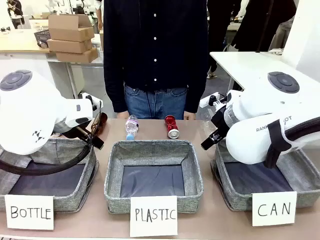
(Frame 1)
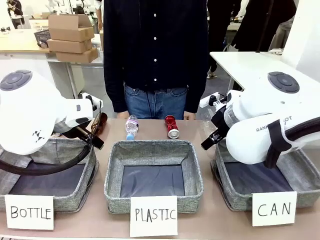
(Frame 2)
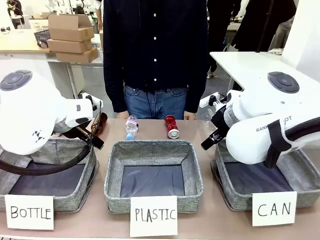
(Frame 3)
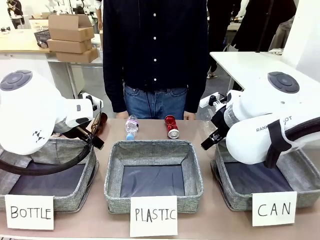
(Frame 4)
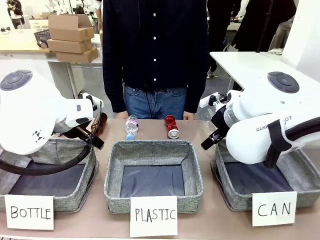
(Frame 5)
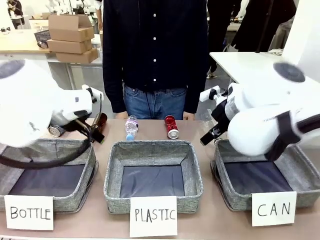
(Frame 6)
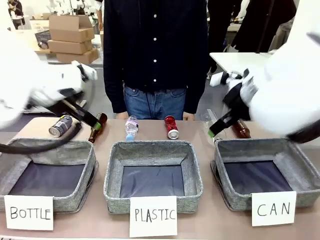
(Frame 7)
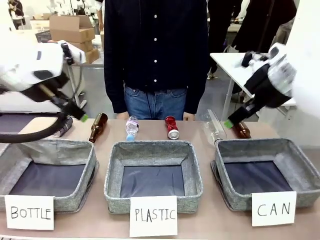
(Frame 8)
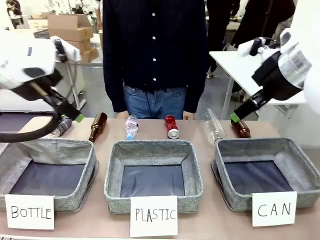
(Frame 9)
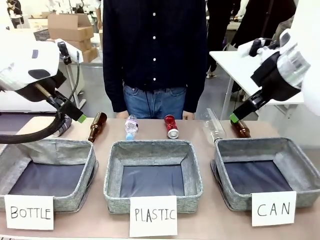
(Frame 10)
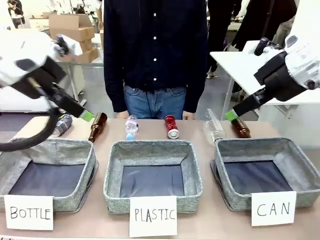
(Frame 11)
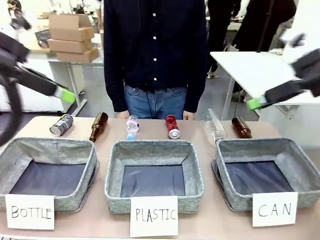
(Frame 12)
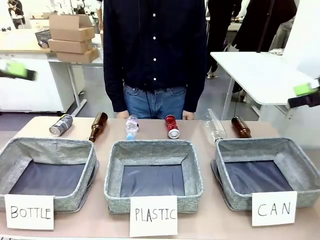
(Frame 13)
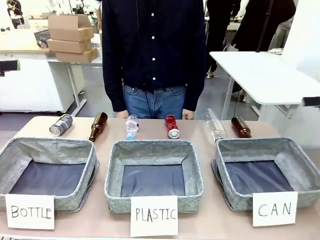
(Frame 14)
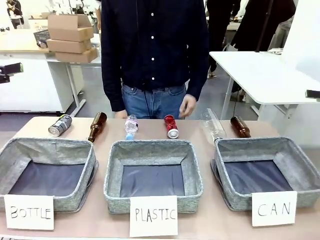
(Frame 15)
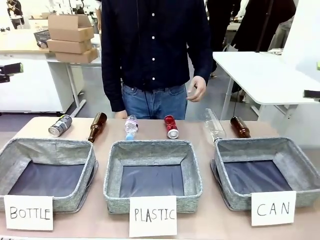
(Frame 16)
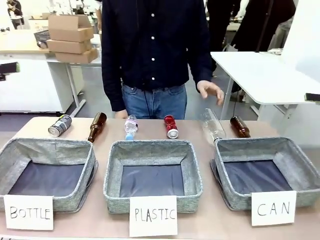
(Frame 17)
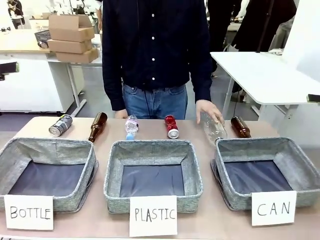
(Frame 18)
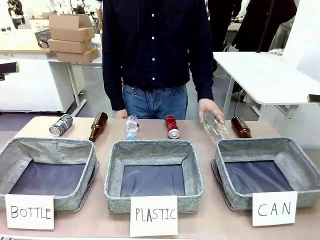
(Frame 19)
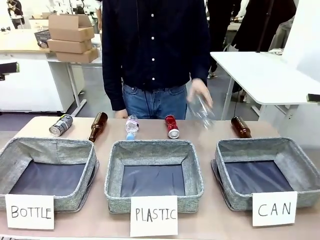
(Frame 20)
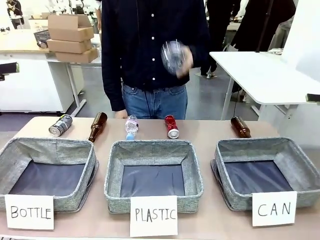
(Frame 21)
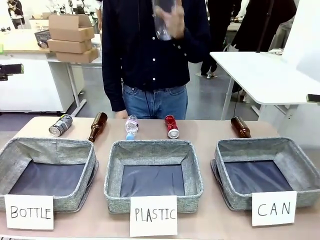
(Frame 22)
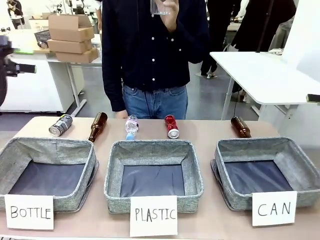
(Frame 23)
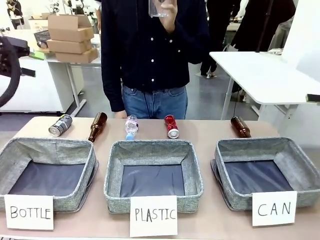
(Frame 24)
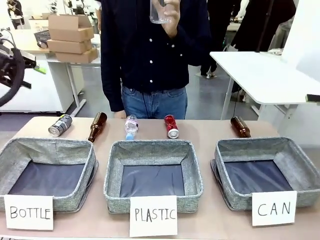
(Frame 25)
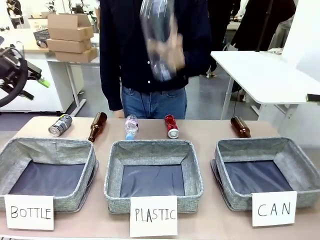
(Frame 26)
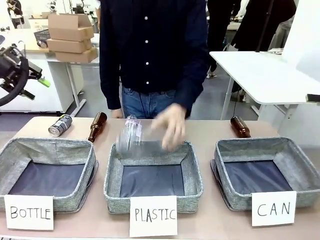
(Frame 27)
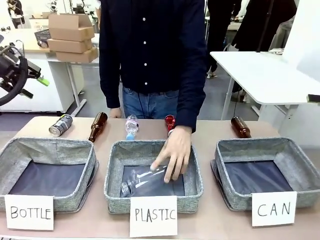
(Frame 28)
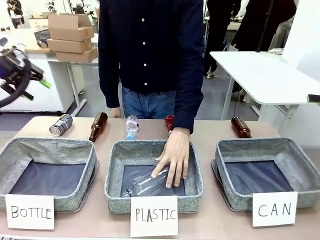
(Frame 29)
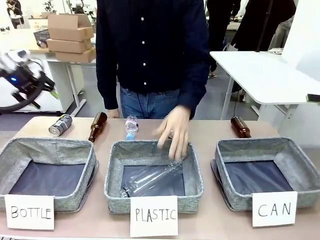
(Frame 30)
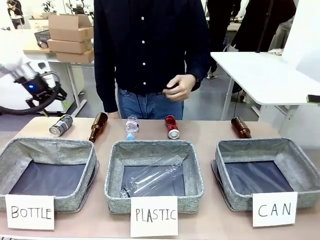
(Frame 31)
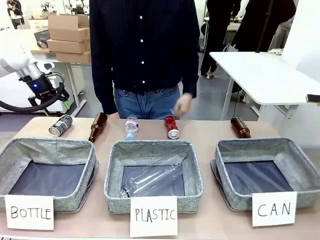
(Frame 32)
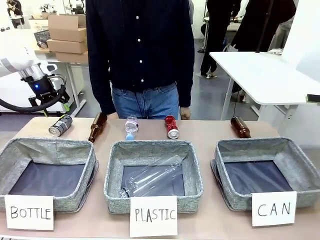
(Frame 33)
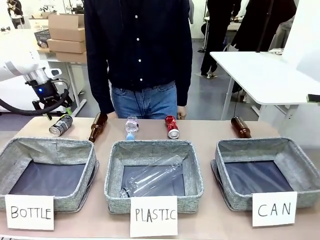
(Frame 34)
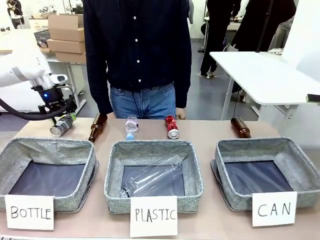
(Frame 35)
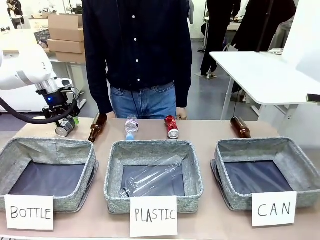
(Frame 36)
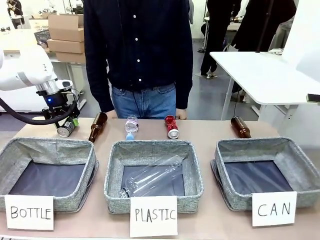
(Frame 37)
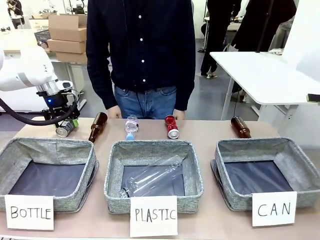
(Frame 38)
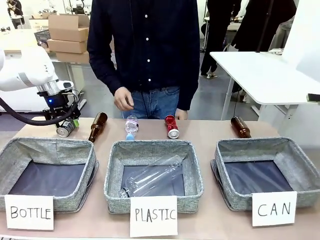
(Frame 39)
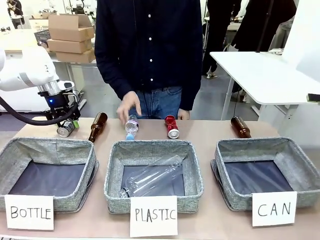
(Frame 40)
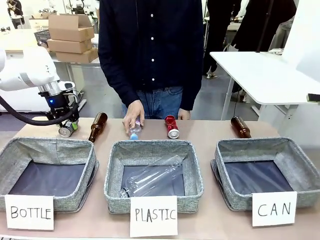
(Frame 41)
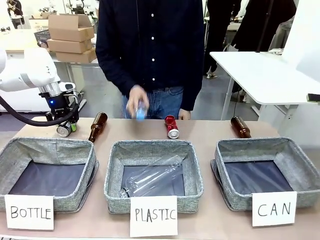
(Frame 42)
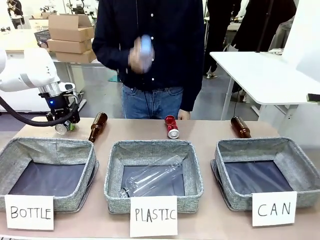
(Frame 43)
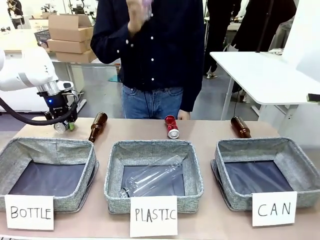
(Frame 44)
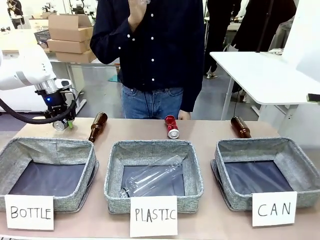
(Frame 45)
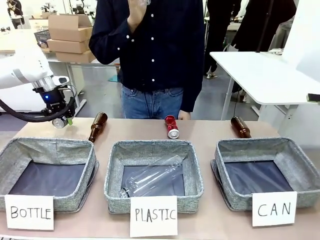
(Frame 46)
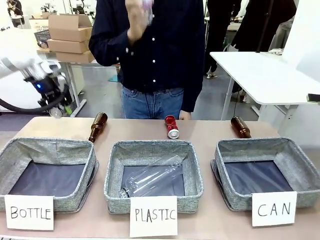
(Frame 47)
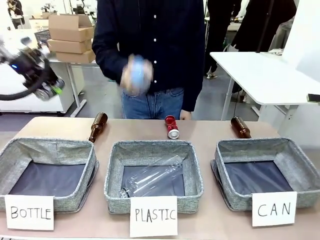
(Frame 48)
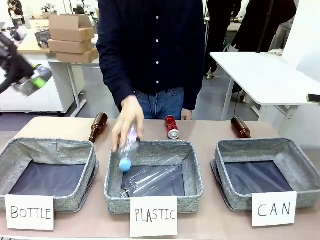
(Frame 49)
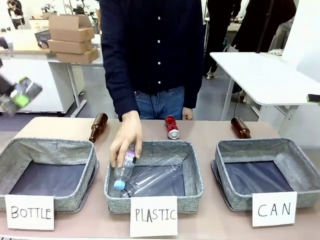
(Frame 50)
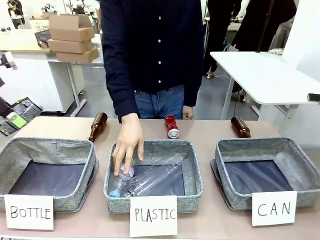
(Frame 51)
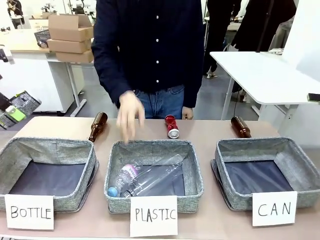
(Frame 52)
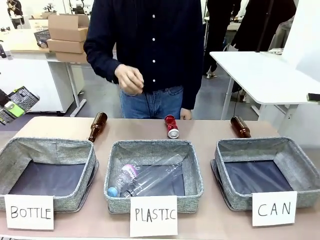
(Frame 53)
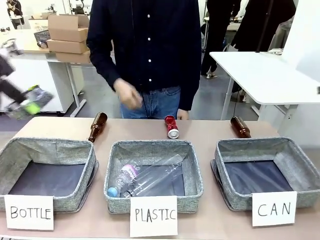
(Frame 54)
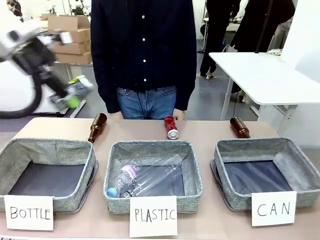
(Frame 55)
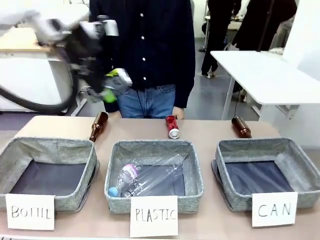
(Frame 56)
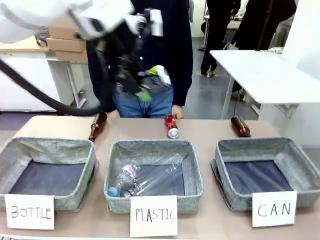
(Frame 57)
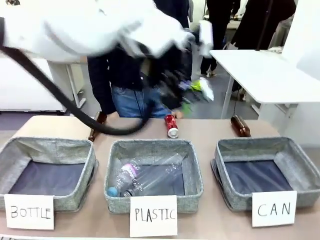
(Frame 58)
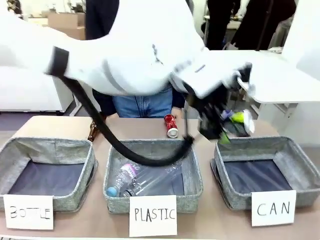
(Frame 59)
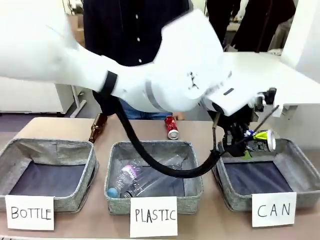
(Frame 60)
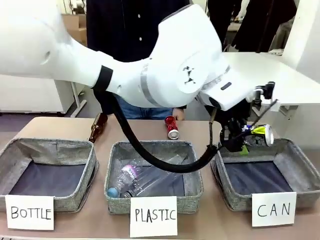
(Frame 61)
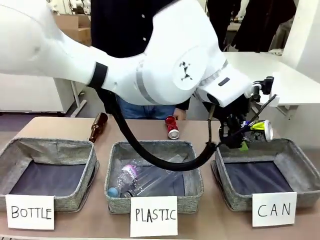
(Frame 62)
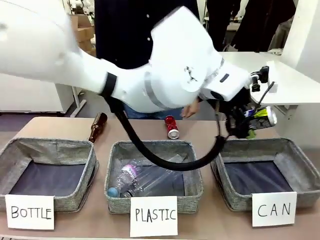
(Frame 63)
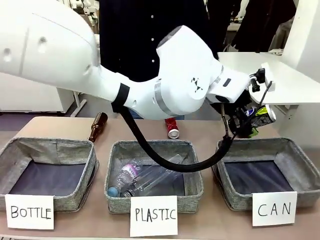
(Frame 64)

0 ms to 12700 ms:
Task: Sort the can waste into the basket.
Robot: Pick up the can waste from the table and place it in the right Fabric basket.

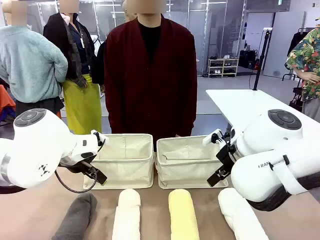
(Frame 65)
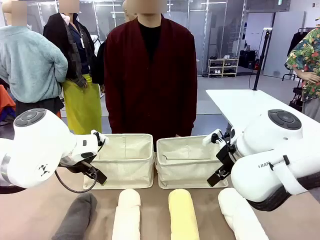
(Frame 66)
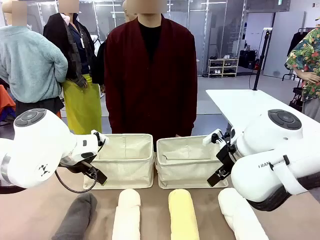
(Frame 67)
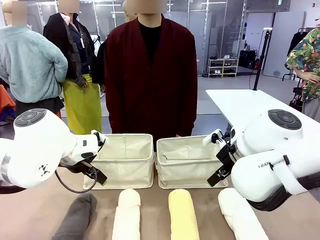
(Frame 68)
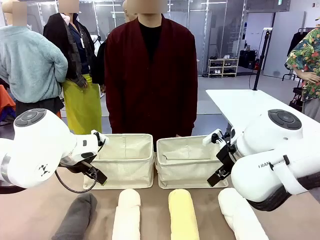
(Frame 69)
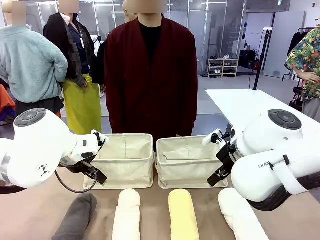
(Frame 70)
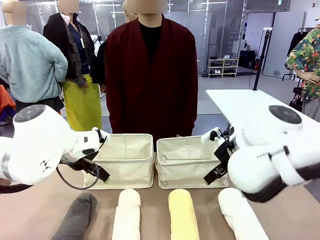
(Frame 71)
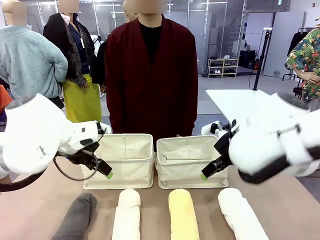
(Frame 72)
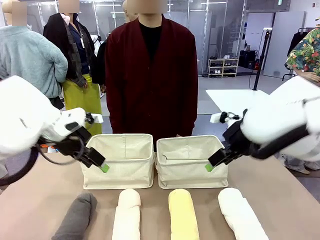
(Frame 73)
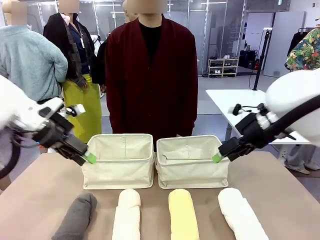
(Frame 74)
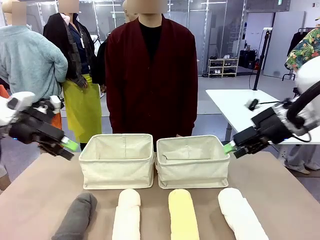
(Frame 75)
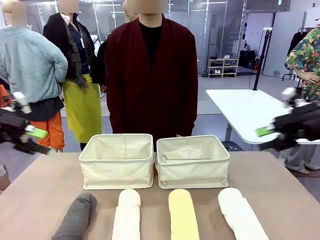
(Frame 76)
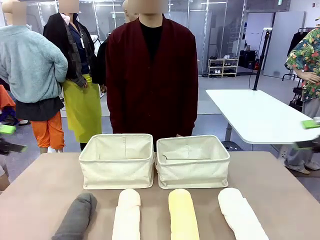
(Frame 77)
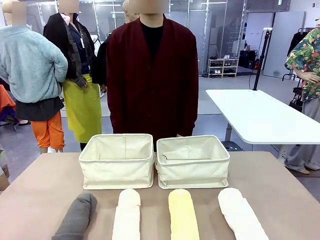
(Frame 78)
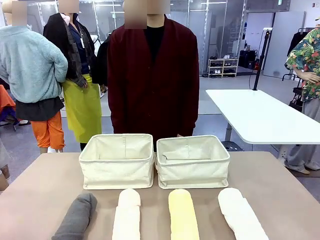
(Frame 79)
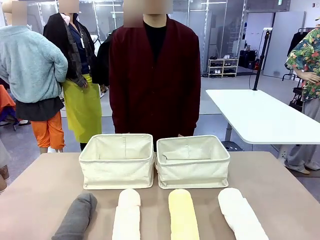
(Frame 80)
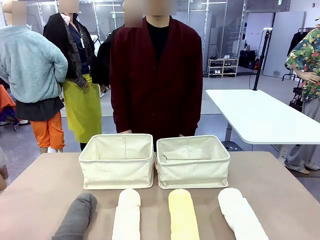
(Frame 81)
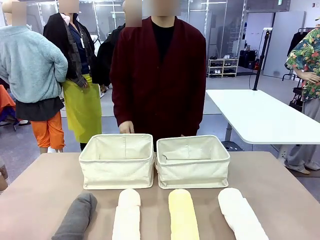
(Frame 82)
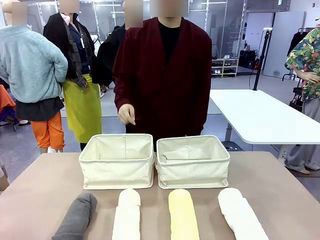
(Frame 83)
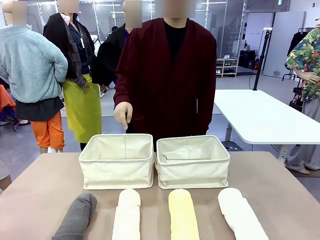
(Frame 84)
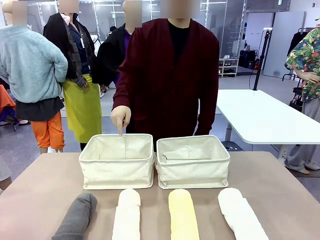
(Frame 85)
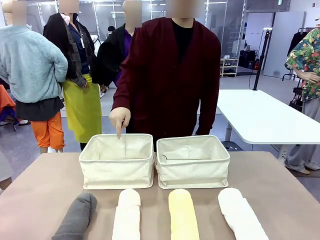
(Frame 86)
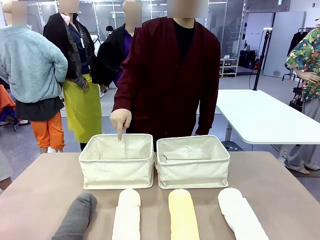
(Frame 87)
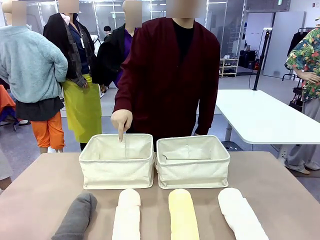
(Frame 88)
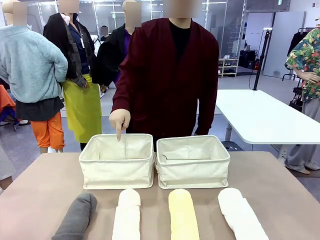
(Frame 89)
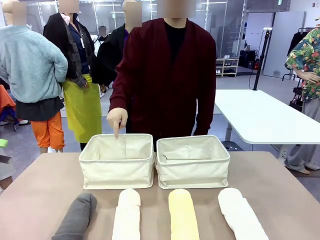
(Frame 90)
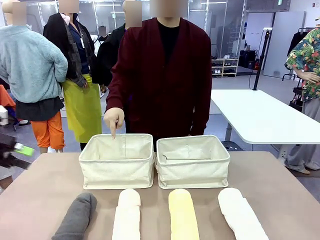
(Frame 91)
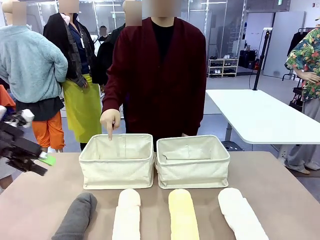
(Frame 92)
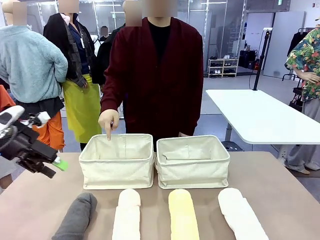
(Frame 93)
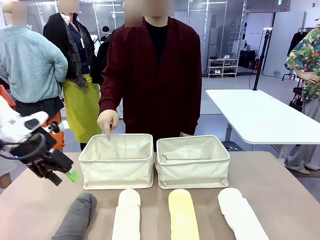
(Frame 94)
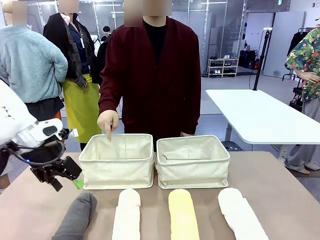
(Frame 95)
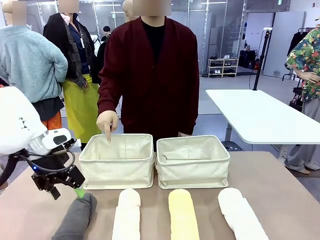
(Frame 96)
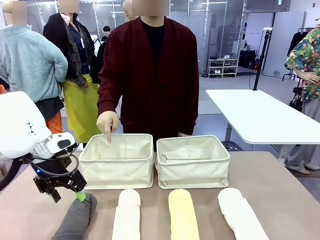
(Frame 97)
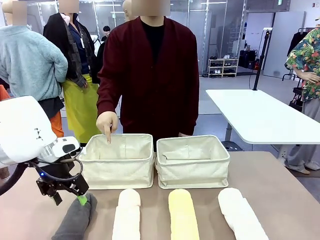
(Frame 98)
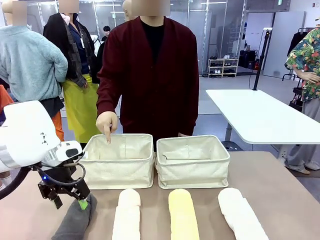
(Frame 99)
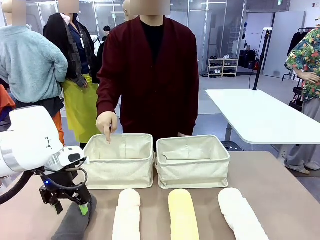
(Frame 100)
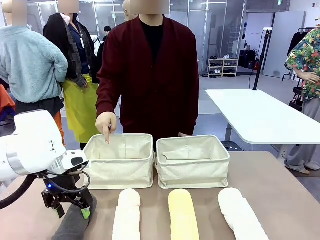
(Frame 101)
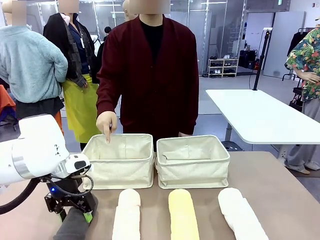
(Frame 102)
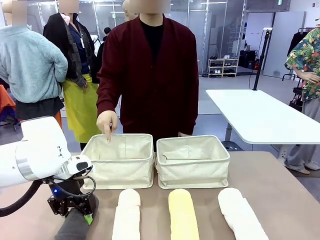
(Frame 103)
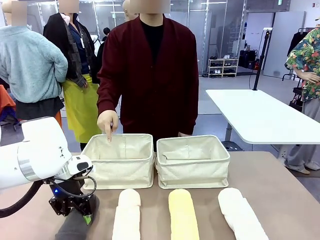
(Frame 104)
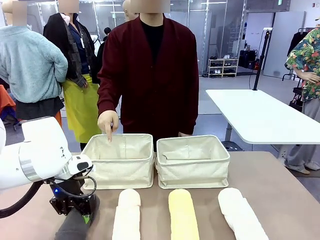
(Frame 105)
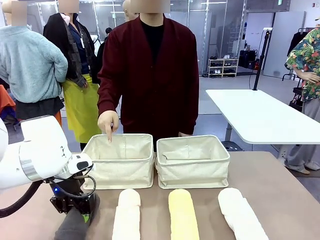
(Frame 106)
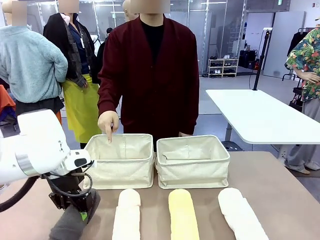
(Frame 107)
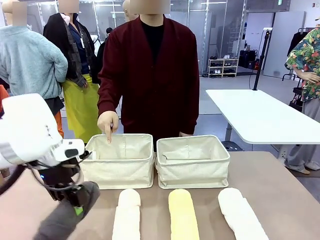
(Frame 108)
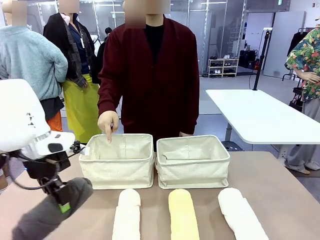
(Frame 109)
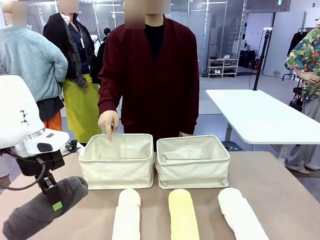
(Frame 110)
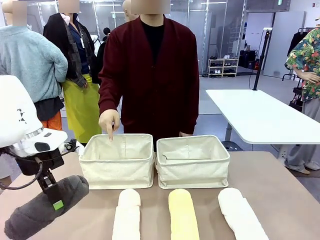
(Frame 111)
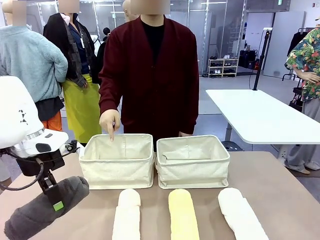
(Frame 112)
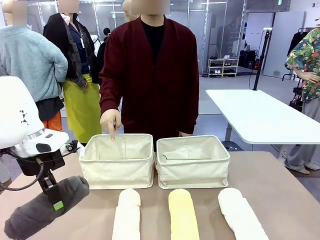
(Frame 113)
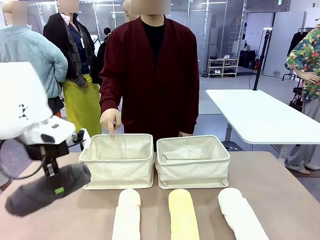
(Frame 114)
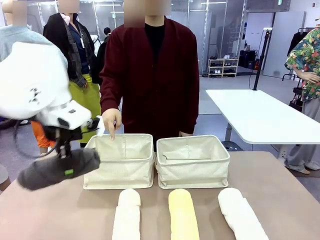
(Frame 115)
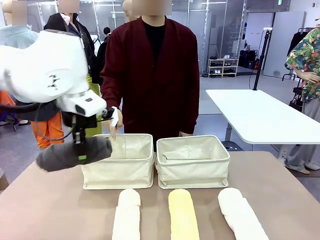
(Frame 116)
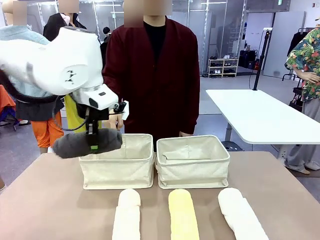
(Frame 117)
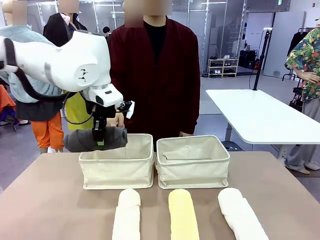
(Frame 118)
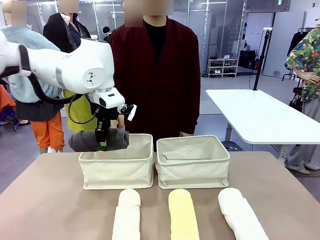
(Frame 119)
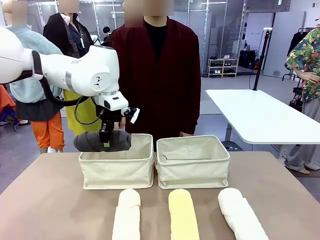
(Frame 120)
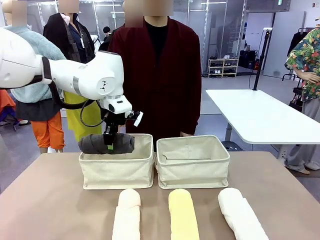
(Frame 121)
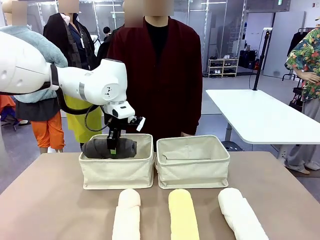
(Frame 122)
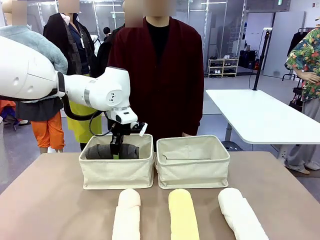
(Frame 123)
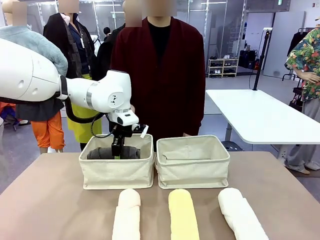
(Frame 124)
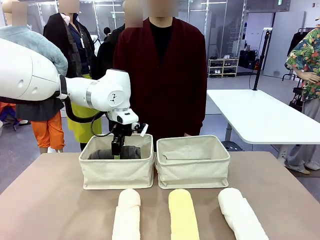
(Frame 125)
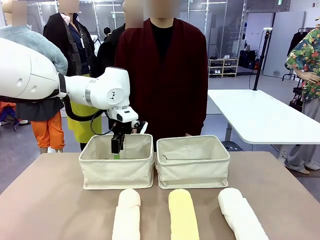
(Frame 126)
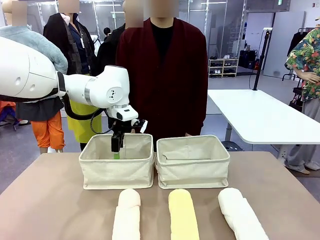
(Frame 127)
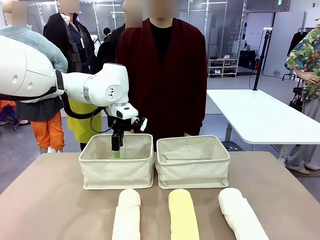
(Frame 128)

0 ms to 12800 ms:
Task: Divide the towels into two baskets.
Robot: Pick up one hotel-folded towel and place it in the Fabric basket indicated by the person.
